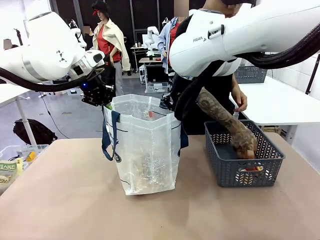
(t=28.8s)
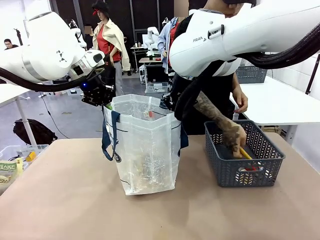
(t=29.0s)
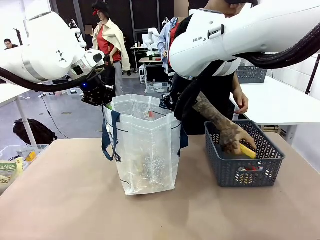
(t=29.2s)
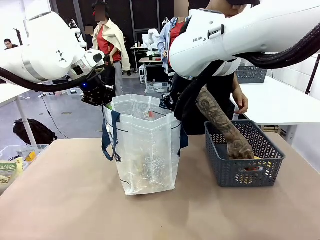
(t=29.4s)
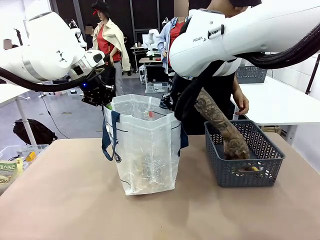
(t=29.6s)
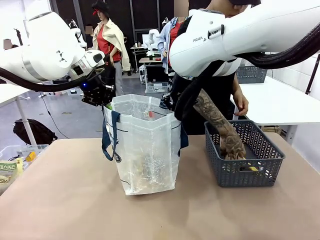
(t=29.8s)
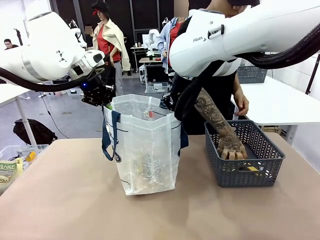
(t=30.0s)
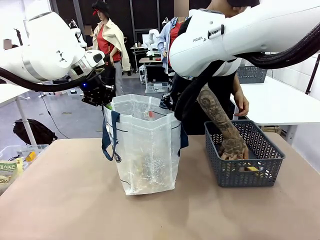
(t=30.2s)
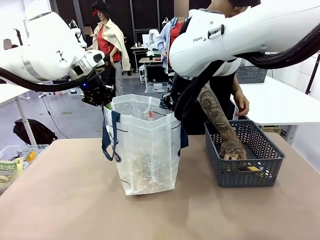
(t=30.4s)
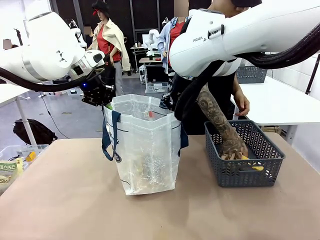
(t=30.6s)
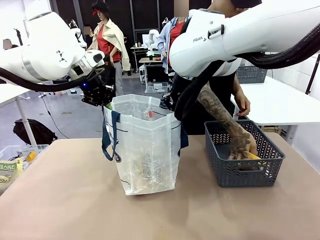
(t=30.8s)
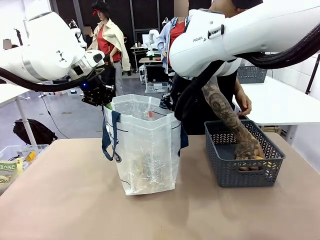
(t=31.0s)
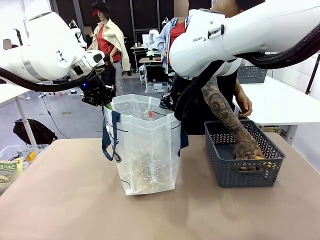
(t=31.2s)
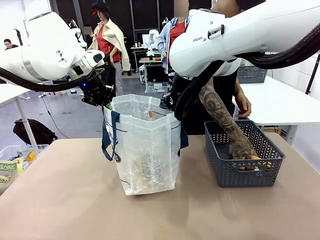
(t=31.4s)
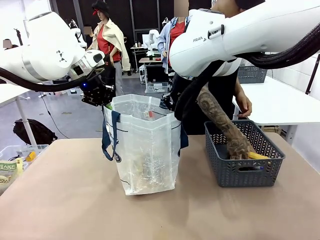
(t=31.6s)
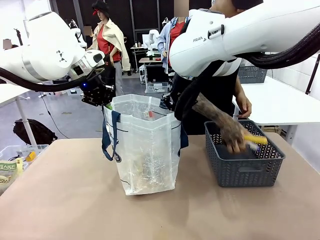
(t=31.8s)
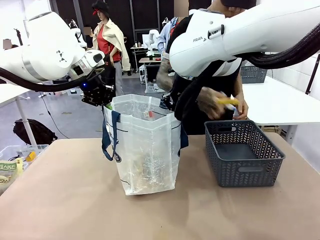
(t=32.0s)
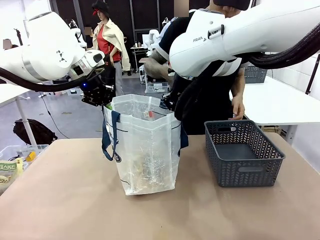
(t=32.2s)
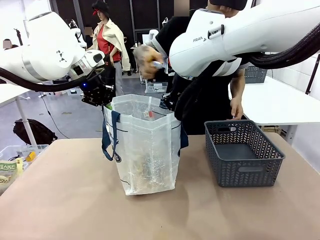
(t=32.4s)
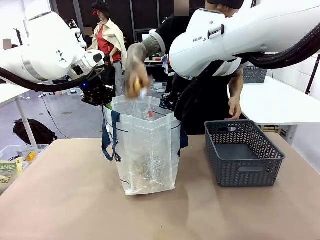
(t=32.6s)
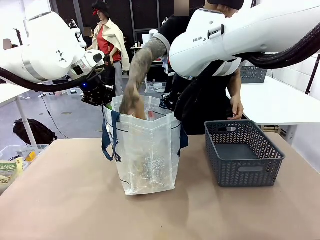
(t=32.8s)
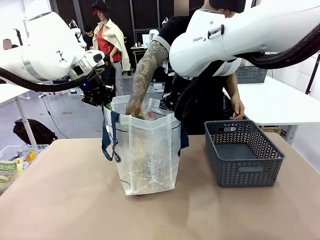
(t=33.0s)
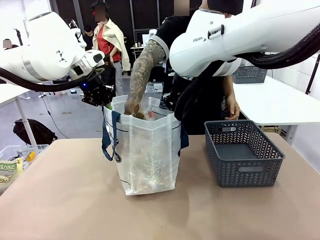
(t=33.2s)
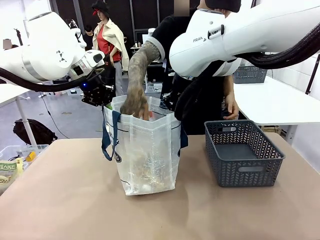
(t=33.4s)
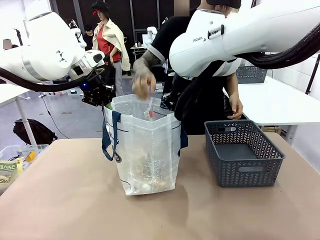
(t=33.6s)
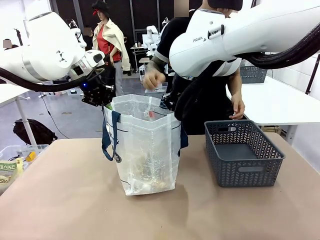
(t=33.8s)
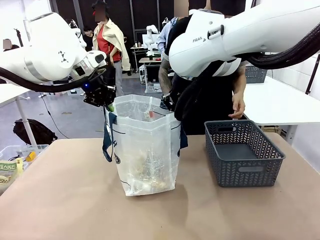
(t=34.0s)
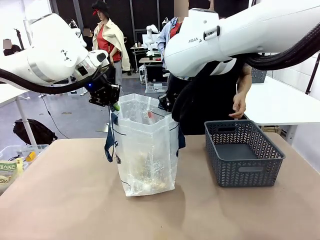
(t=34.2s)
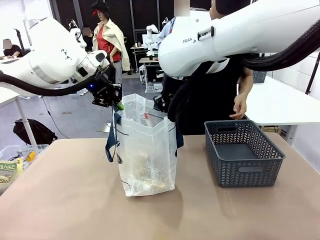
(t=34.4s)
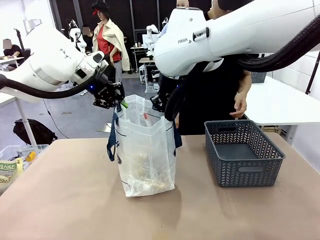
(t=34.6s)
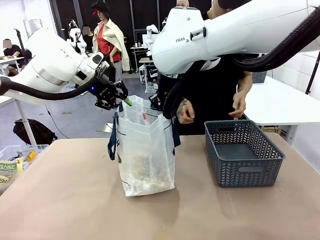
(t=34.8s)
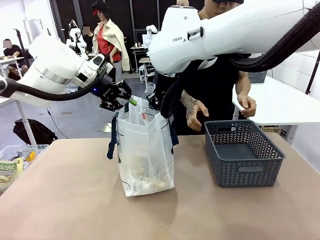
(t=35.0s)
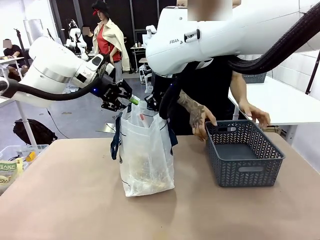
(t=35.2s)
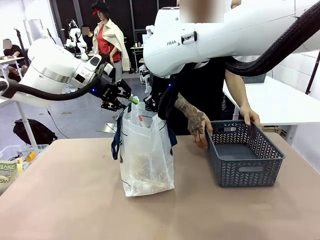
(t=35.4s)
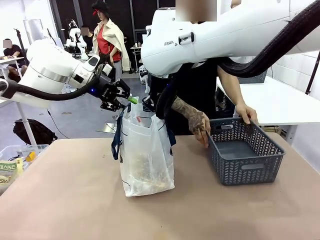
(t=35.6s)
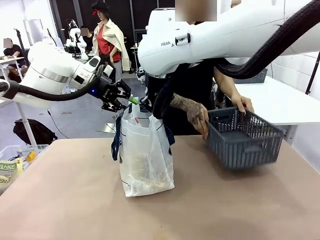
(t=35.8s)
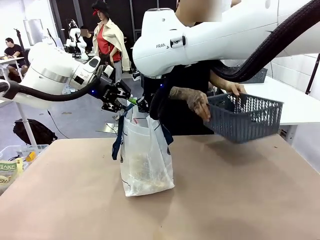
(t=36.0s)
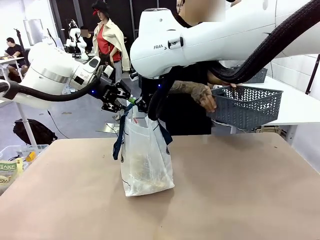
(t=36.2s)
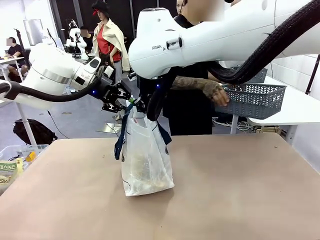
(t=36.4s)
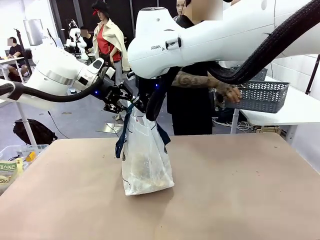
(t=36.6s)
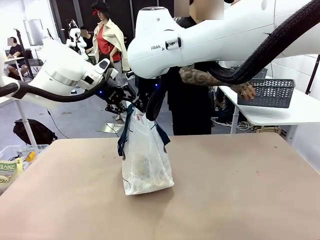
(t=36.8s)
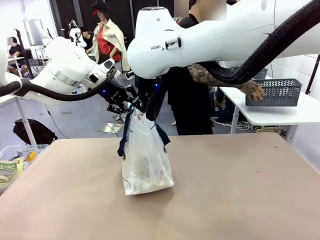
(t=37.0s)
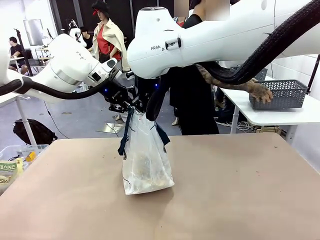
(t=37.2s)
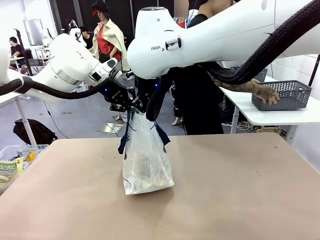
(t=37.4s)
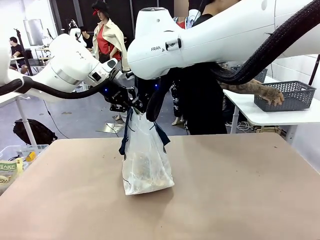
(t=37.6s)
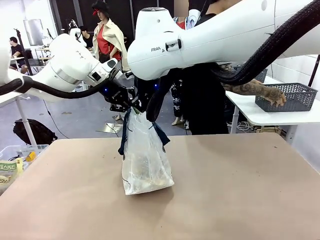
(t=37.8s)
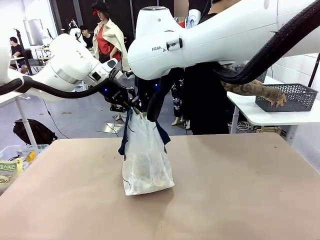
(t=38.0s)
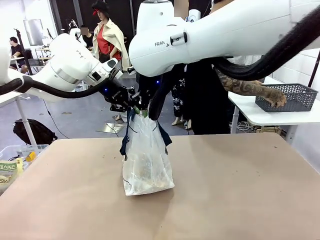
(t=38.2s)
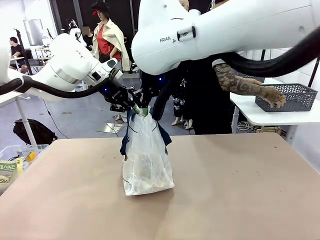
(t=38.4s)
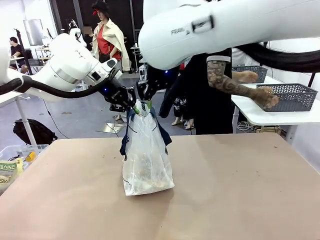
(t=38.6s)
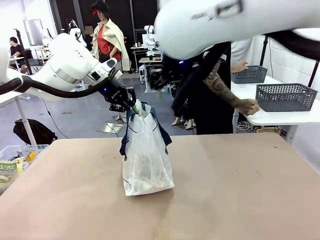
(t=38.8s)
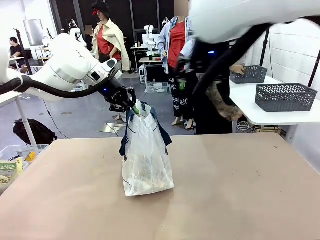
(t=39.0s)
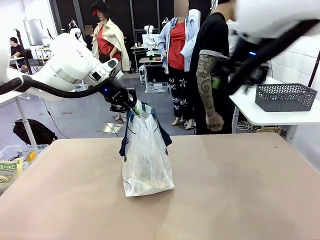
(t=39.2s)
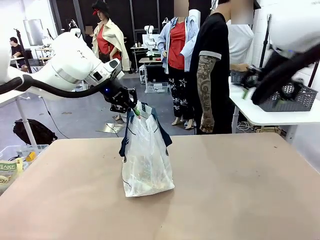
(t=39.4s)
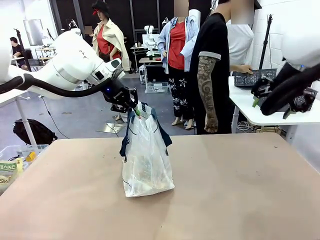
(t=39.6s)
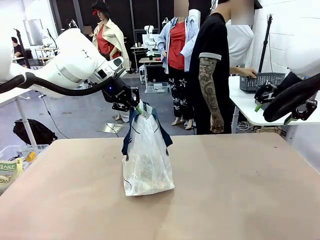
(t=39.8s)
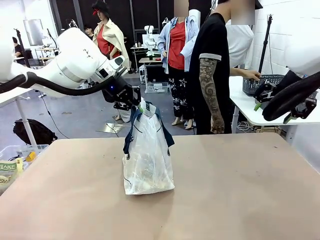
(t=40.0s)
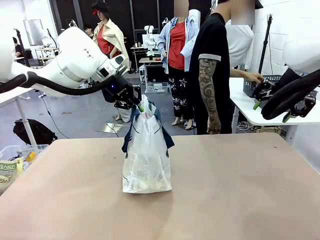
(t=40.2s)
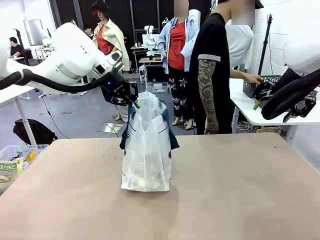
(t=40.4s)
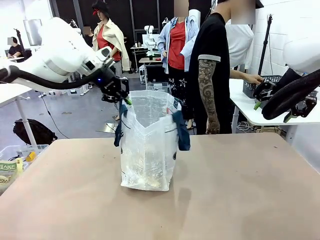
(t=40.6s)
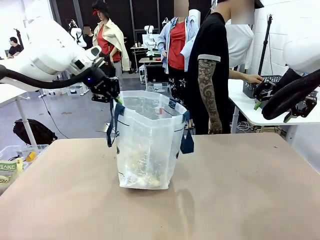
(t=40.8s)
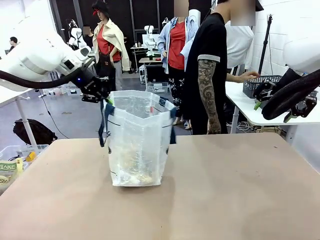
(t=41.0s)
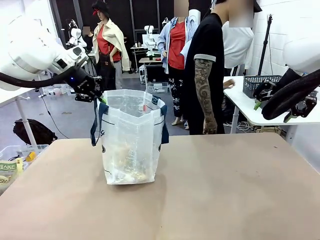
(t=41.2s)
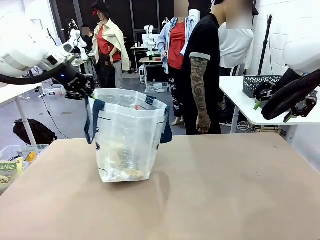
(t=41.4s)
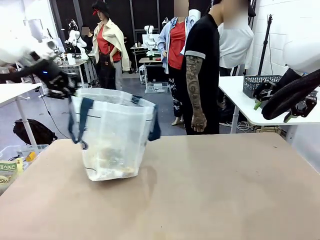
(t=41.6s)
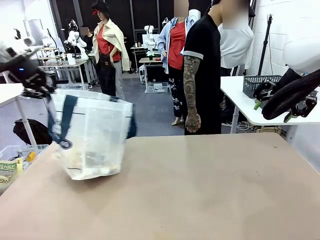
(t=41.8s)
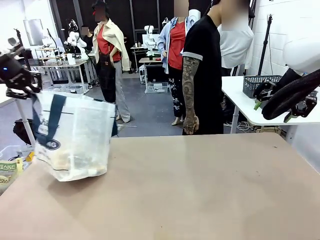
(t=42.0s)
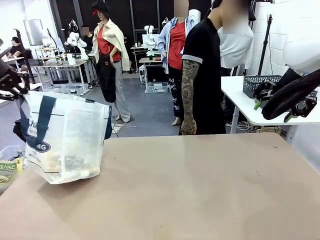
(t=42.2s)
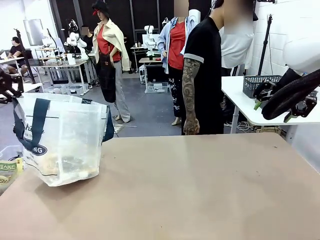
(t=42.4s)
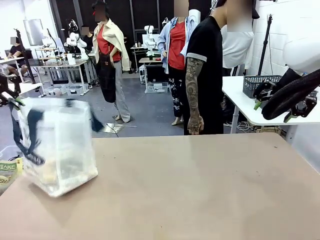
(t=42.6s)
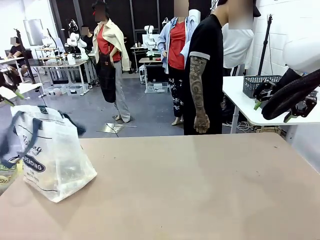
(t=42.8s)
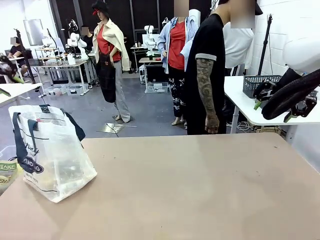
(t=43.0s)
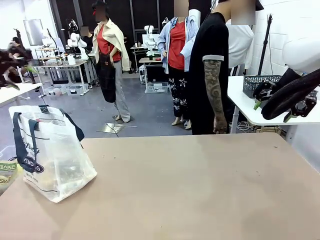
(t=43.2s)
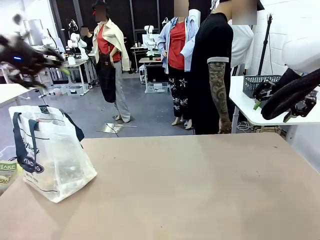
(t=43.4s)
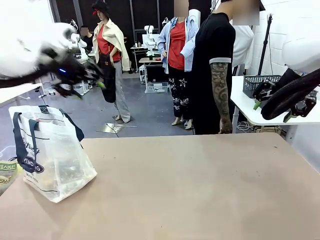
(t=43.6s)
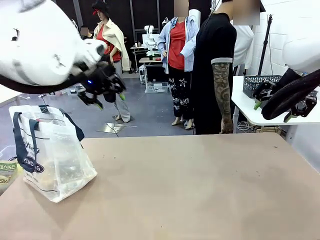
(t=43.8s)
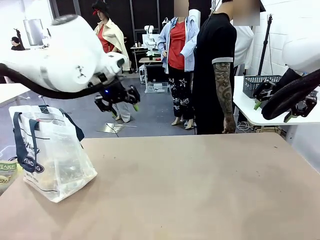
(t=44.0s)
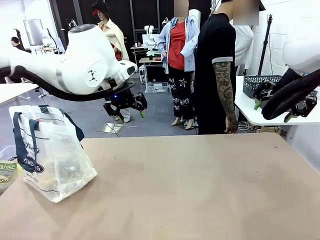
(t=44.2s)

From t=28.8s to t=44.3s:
Task: Transfer purchased items from the store into the shopping bag.
Robot: Move the Reusable shopping bag to the right side of the table.
Person: Move the basket on the left to the middle of the person's table.
